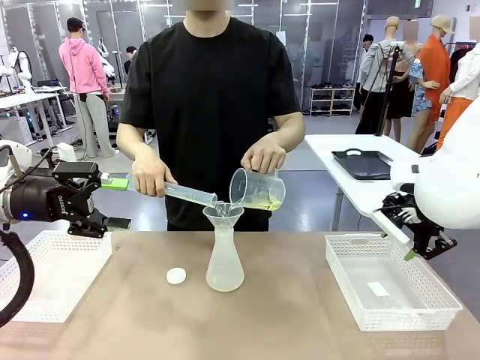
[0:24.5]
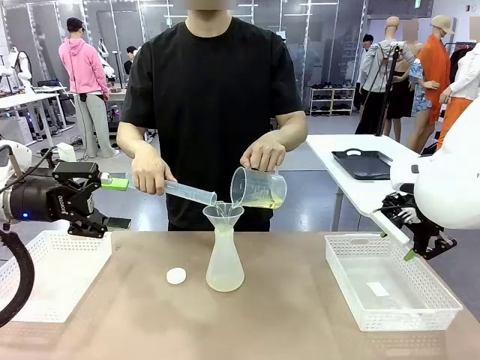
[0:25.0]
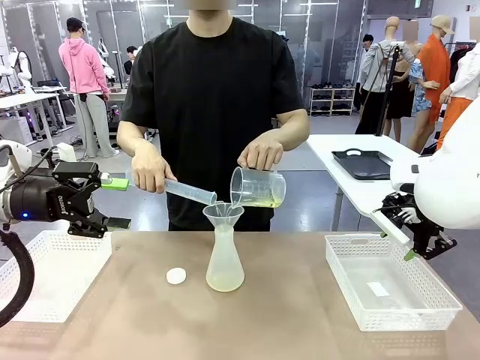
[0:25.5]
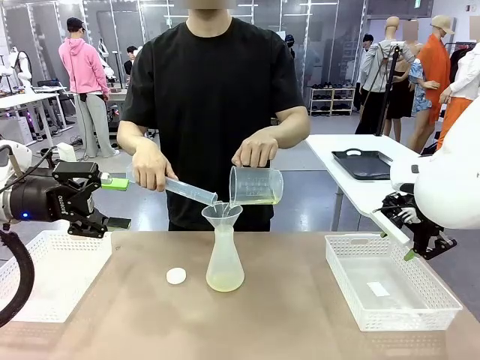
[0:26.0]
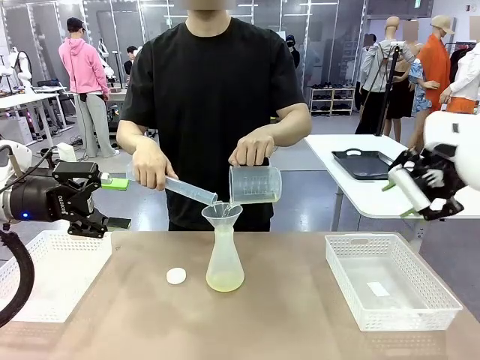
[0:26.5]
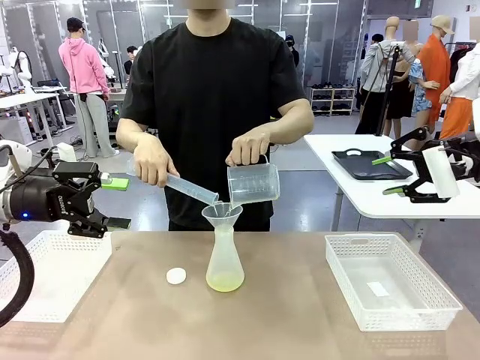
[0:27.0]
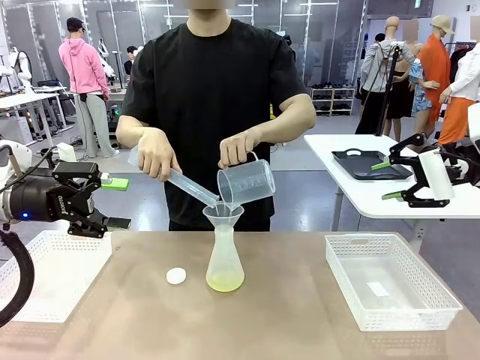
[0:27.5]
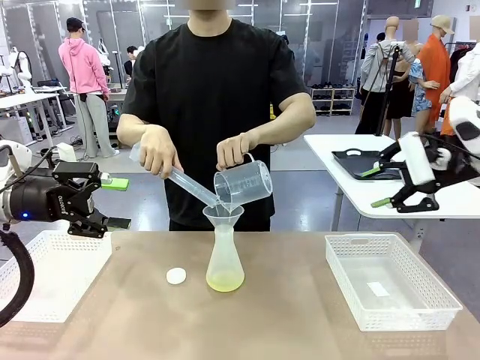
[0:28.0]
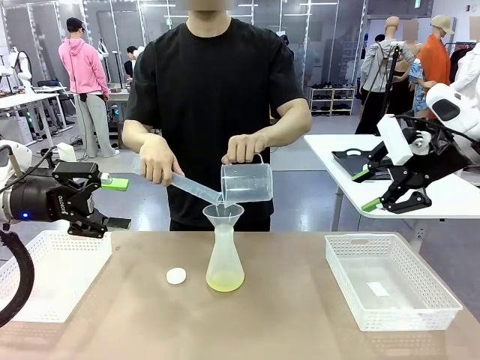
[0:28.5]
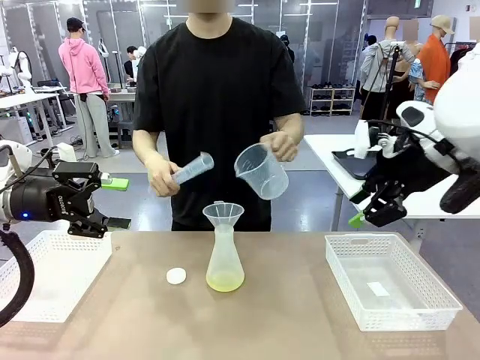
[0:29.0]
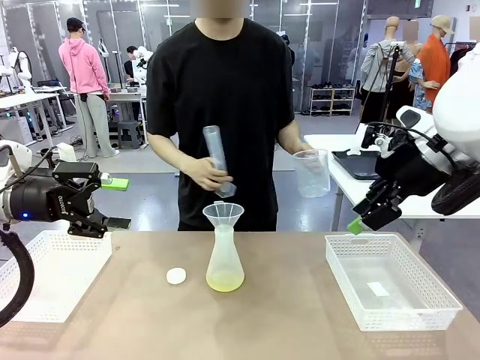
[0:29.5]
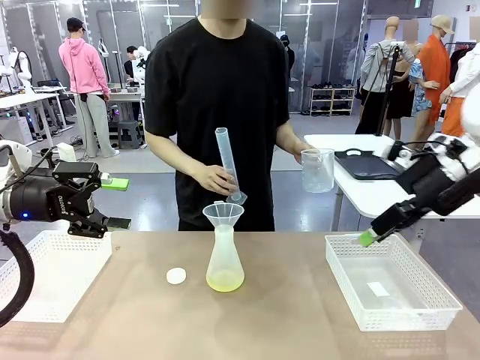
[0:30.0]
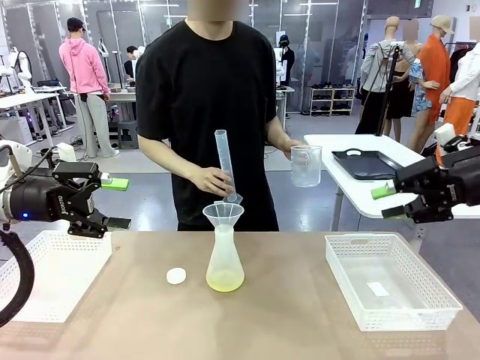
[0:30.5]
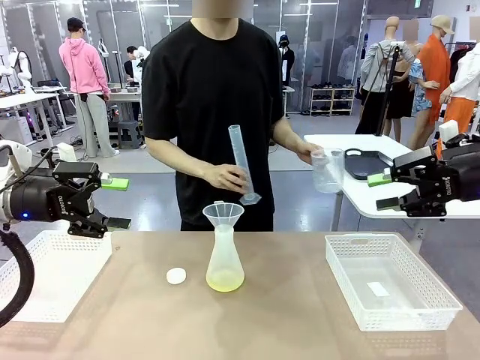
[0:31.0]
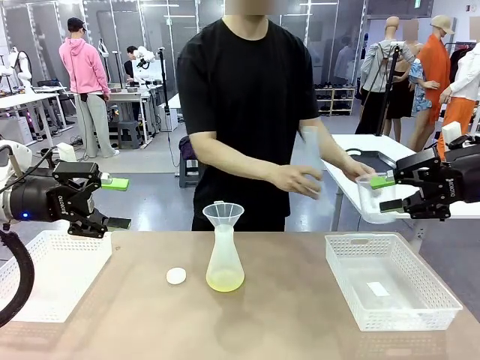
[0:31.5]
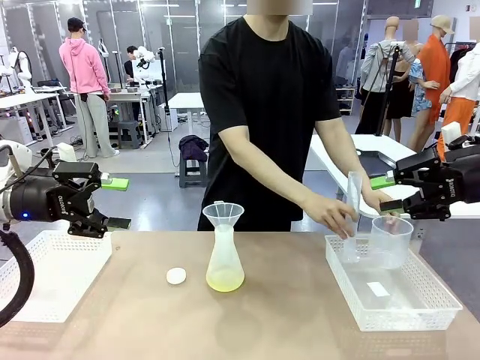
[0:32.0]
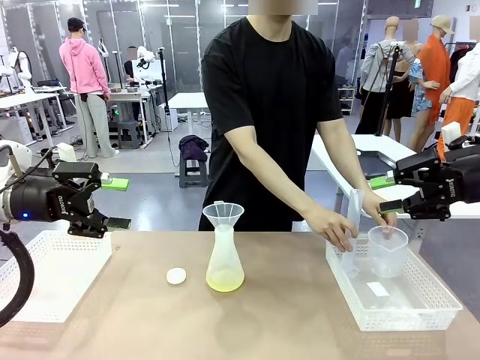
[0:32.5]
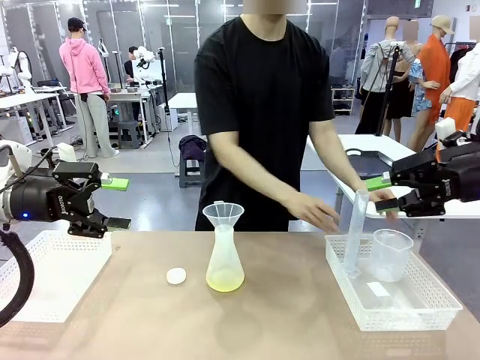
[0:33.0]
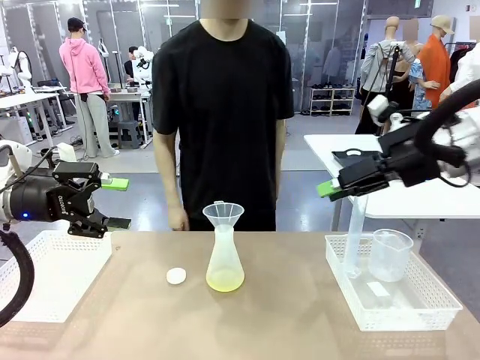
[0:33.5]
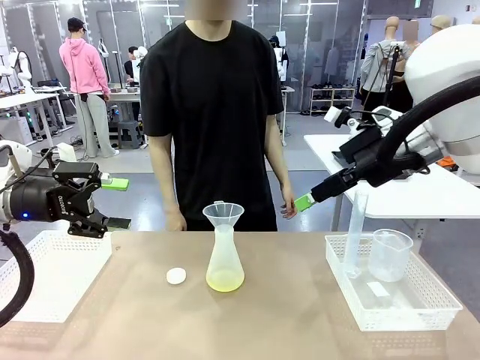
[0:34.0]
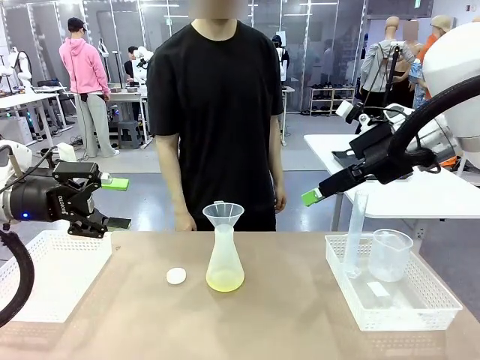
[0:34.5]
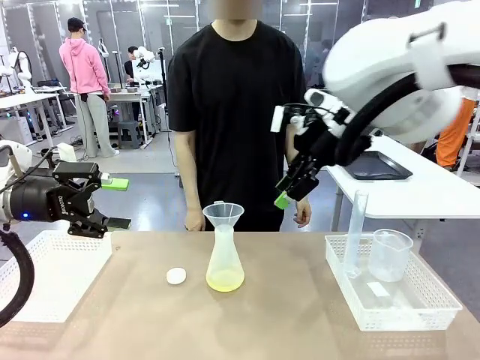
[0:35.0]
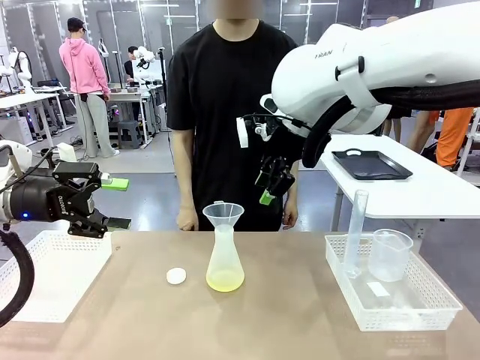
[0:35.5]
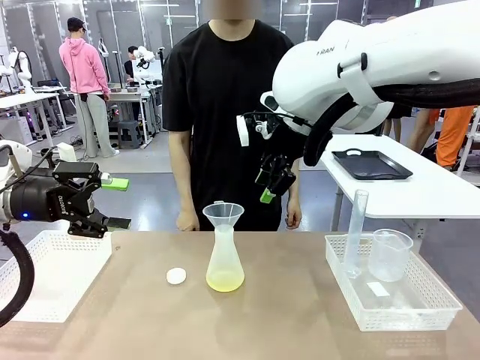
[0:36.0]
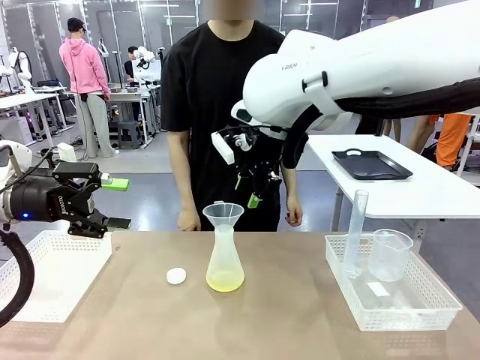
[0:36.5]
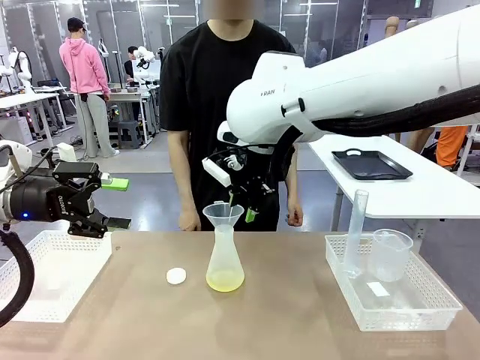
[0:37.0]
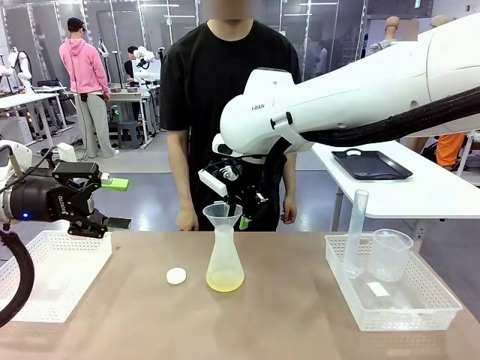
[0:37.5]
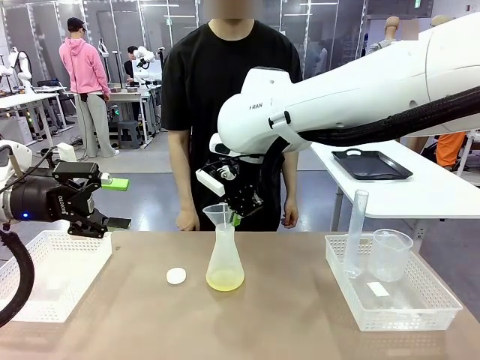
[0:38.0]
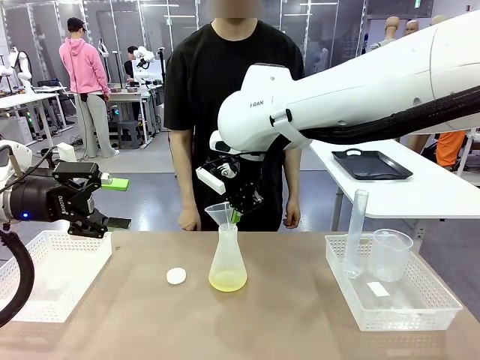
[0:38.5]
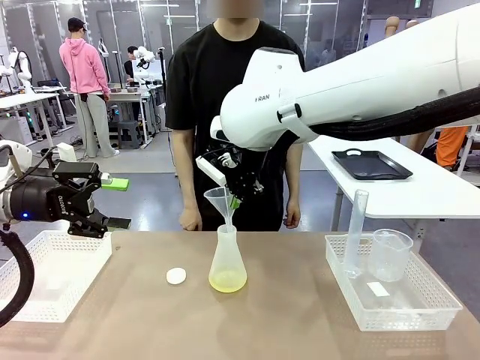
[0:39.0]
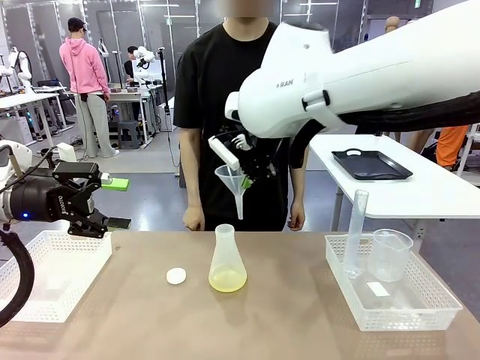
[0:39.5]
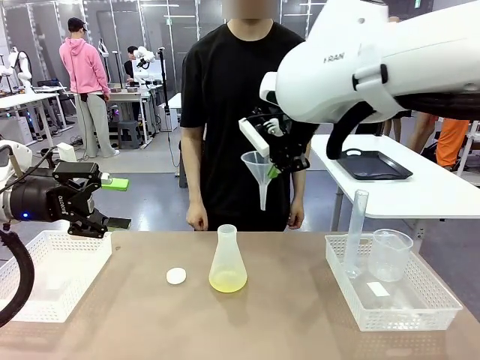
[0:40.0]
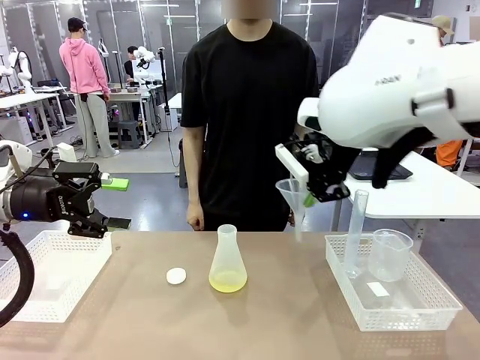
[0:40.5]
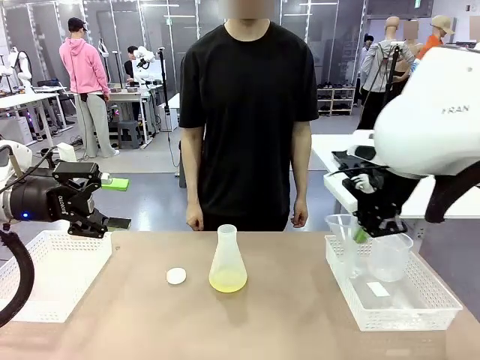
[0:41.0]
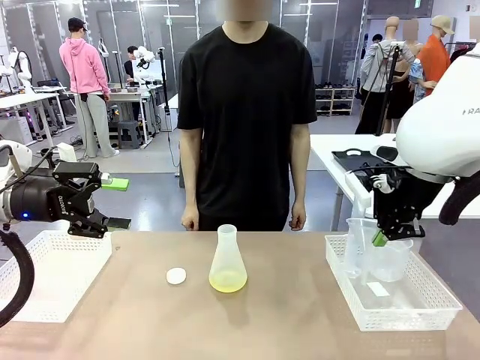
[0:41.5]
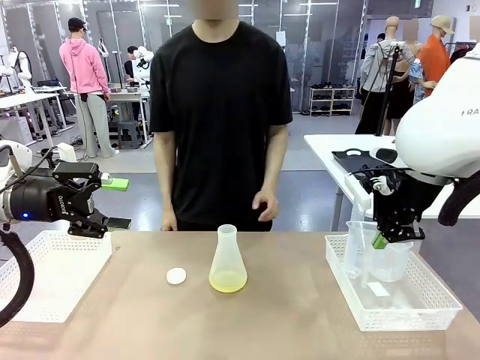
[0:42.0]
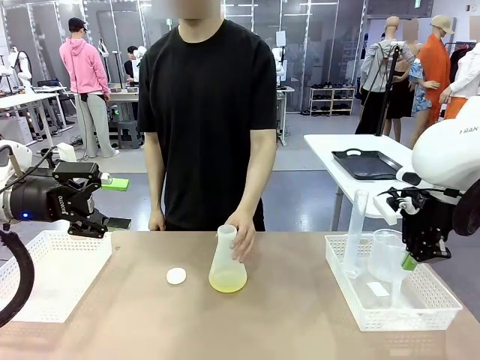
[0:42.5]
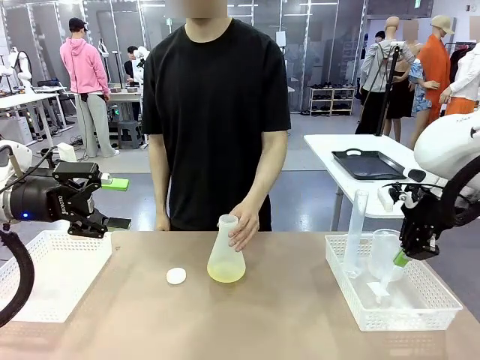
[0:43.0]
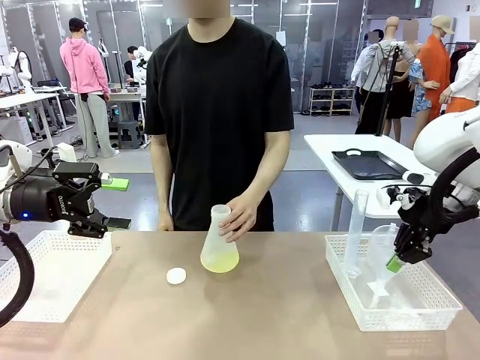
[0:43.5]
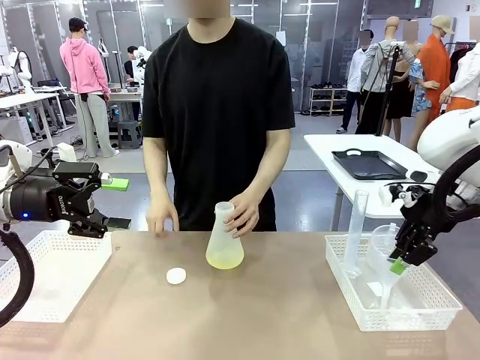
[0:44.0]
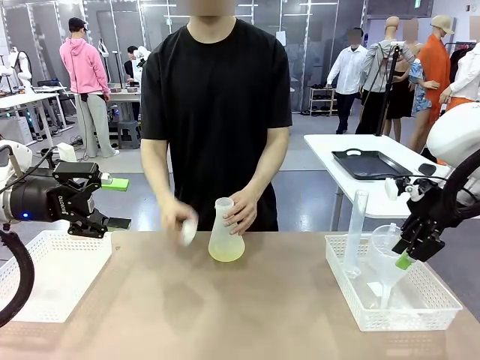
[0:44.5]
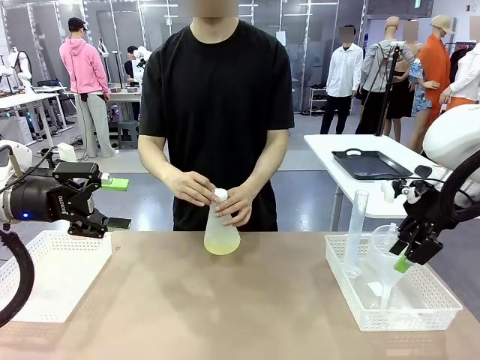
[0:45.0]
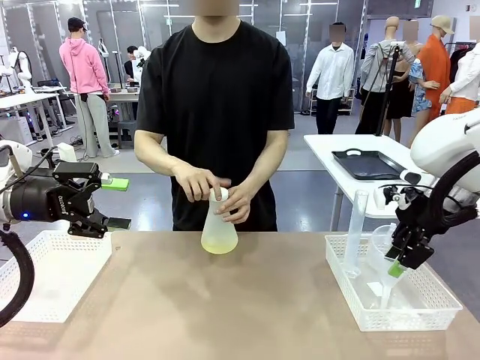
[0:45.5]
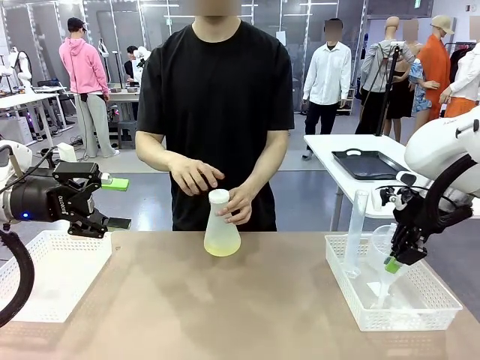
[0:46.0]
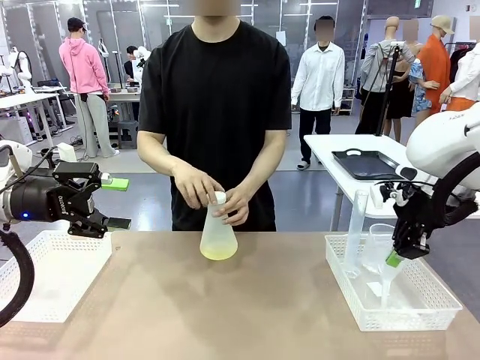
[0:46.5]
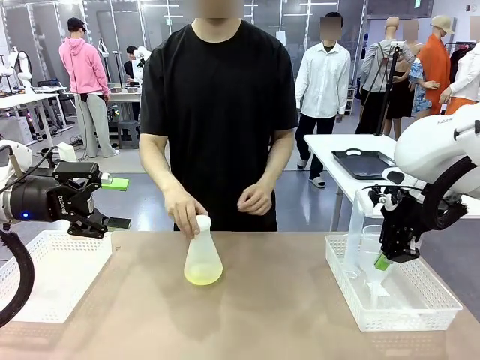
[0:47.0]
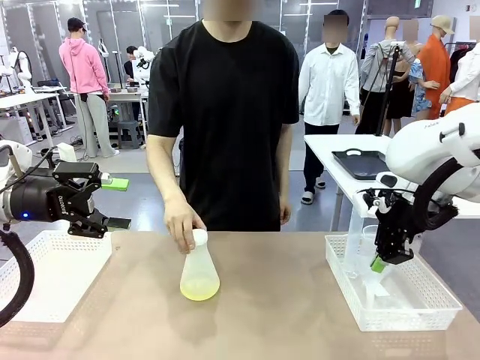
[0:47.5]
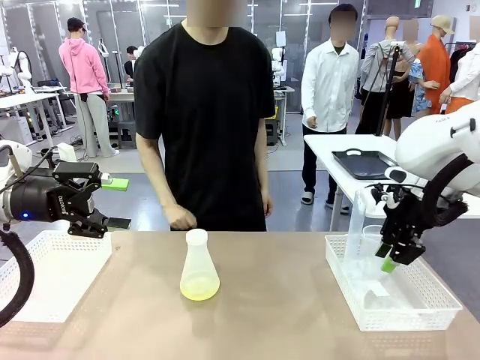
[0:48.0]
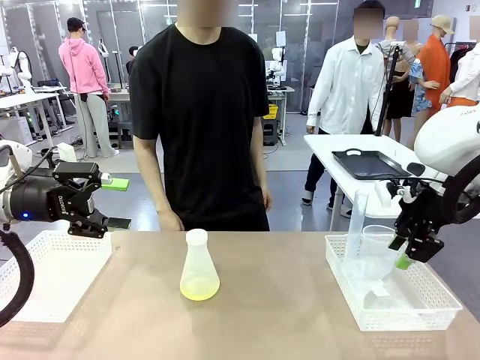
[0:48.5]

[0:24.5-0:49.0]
Task: Prepare the solutions needed for the experiment.
Robot: Once the solution is in the Big flask , pick up the Plastic Funnel and place it back into the right Organizing basket.
Person: Place the beaker and the cylinder into the organizing basket on the left side. Pick up the flask, gently shake it 2–3 times, place it in the middle of the robot table, and close the lid.
